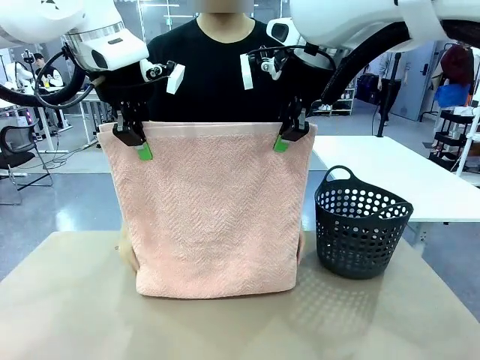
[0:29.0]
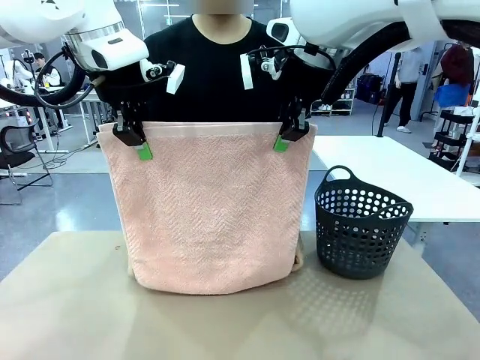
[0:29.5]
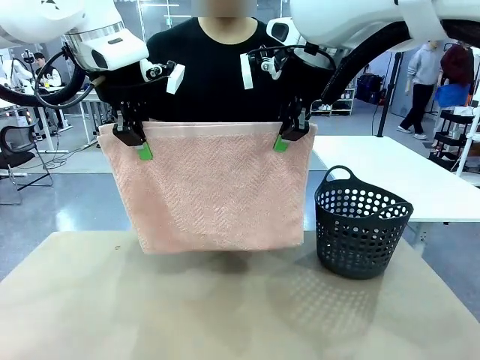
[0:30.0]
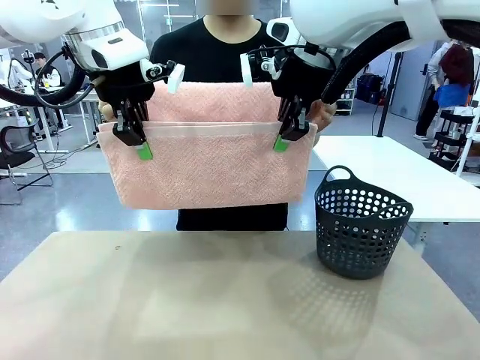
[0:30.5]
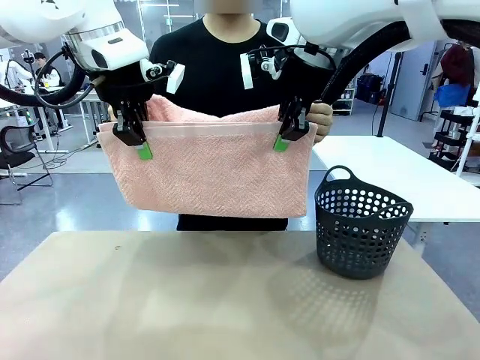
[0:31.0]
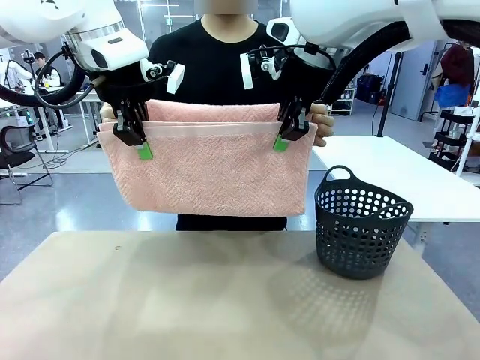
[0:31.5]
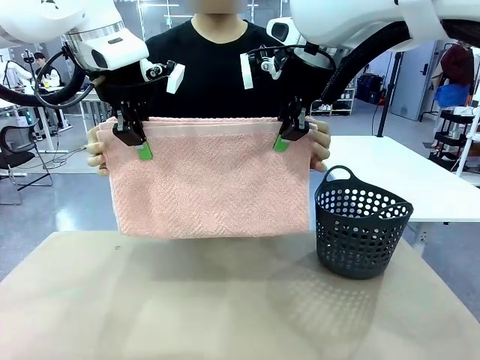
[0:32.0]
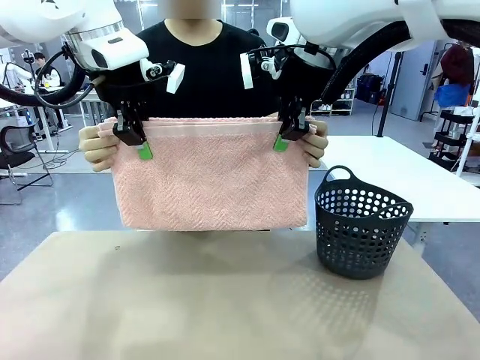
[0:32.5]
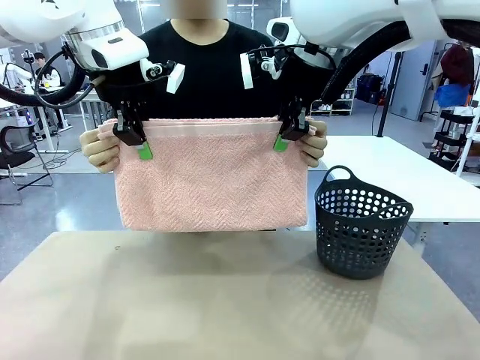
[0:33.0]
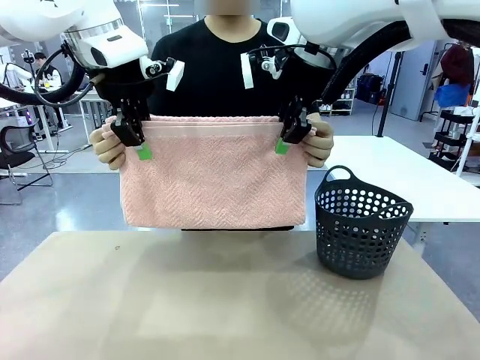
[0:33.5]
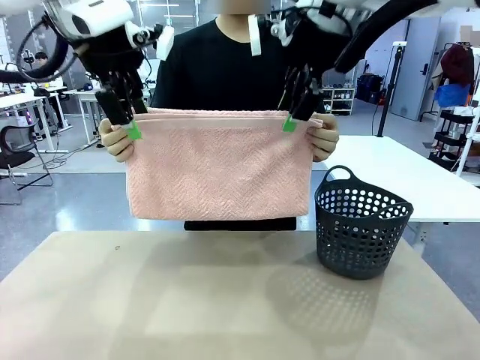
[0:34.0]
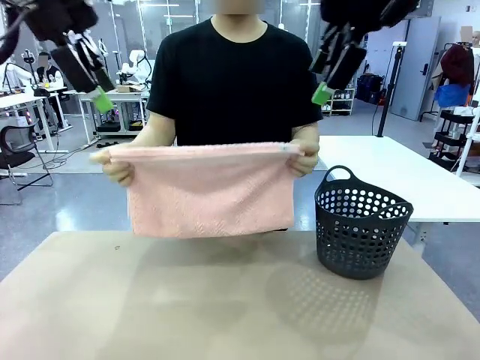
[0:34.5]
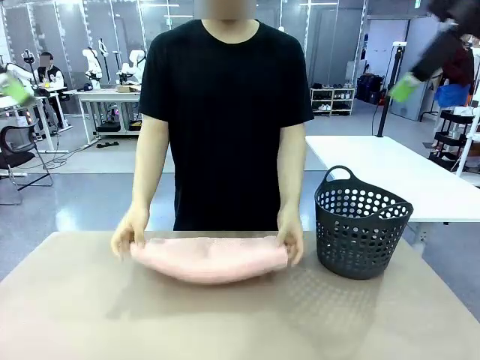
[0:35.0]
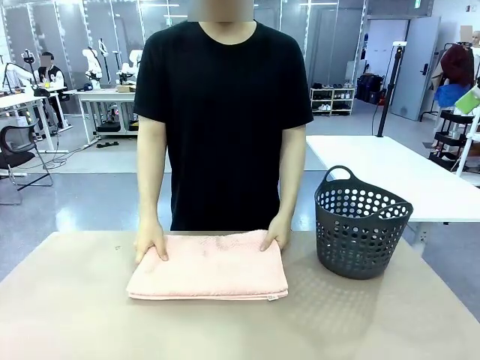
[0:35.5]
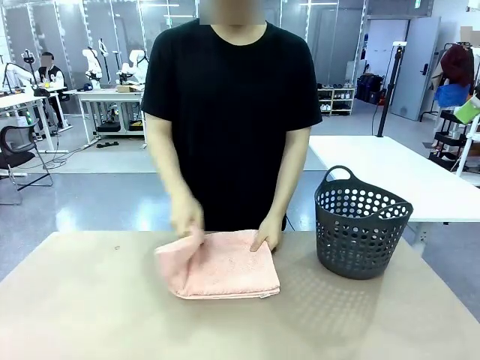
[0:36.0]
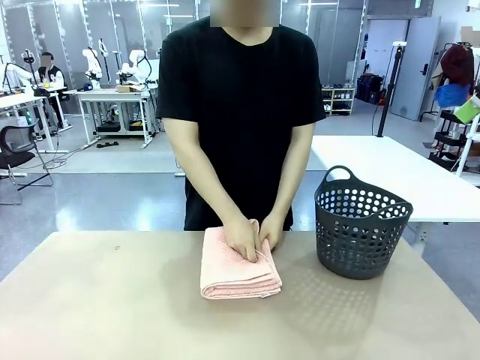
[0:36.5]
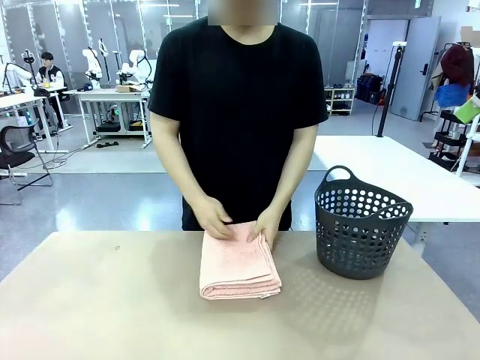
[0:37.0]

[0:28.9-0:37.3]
Task: Fold the towel.
Robot: Release the end of the 100 cm Hotel Towel you were holding.
Person: Place the towel at the center of the robot table and fold it in half.

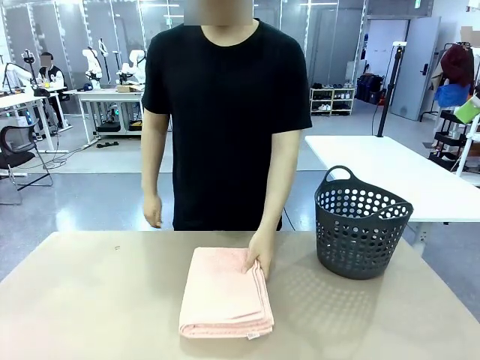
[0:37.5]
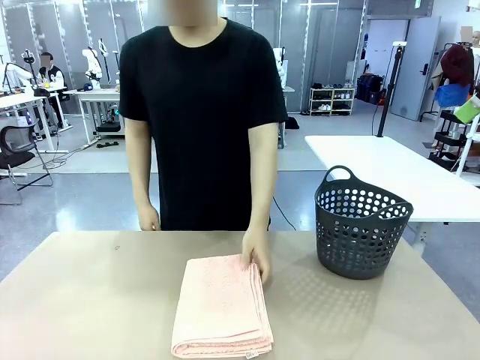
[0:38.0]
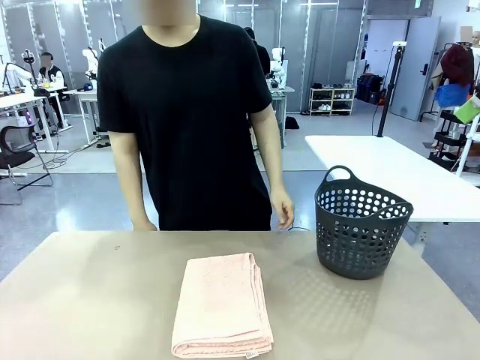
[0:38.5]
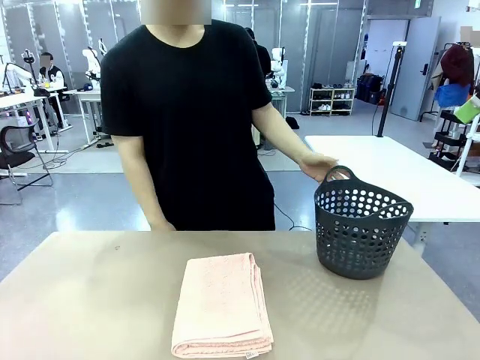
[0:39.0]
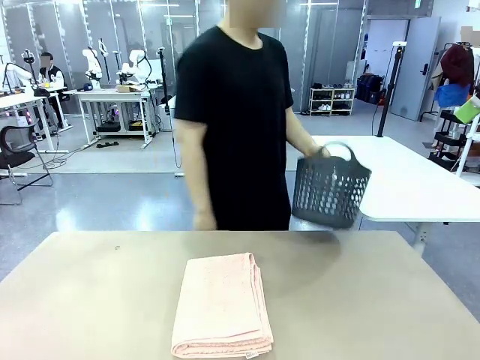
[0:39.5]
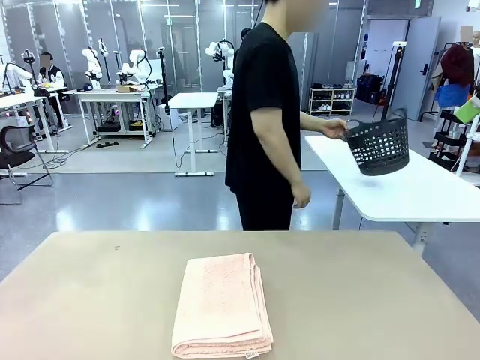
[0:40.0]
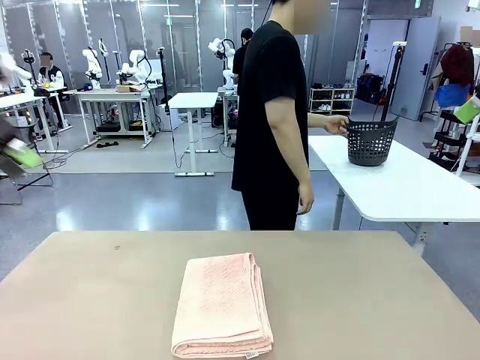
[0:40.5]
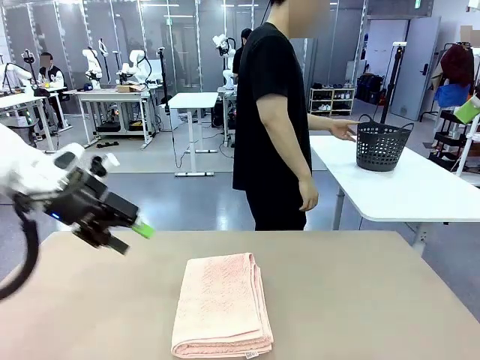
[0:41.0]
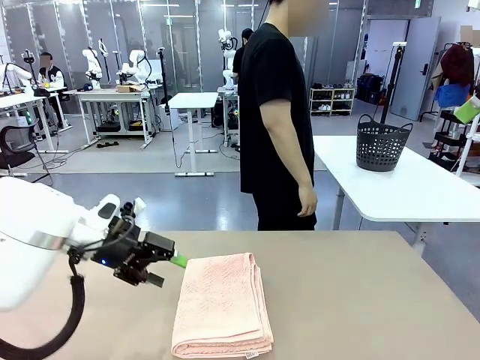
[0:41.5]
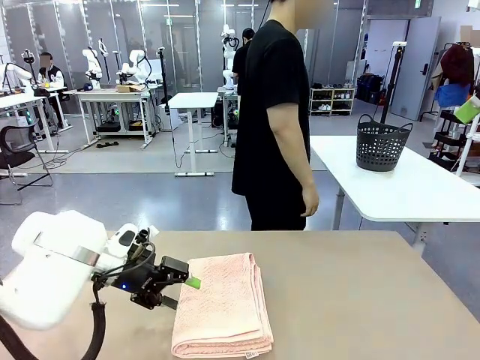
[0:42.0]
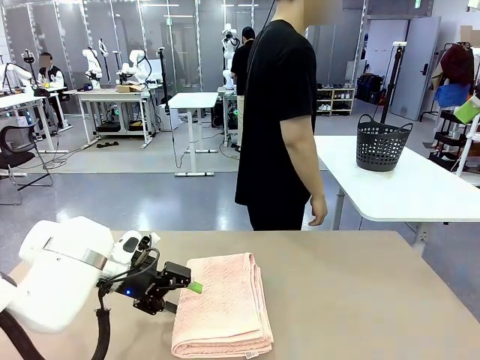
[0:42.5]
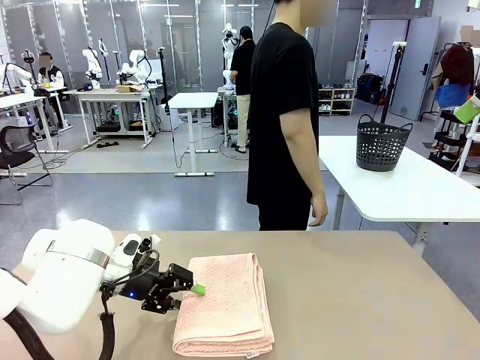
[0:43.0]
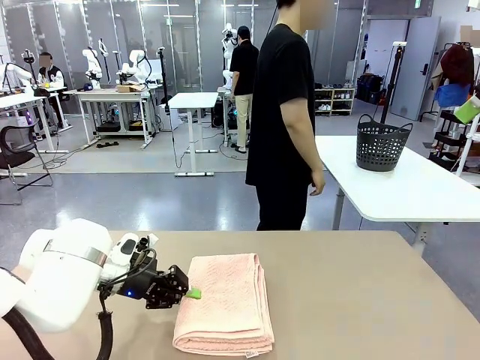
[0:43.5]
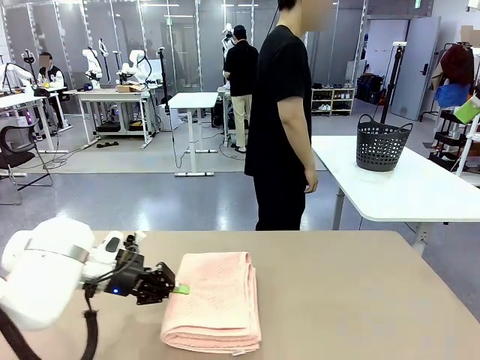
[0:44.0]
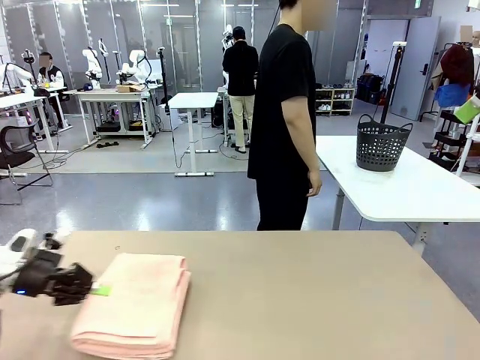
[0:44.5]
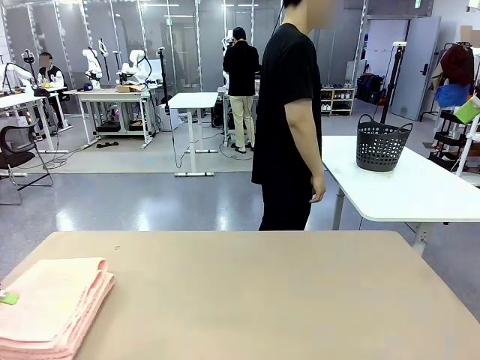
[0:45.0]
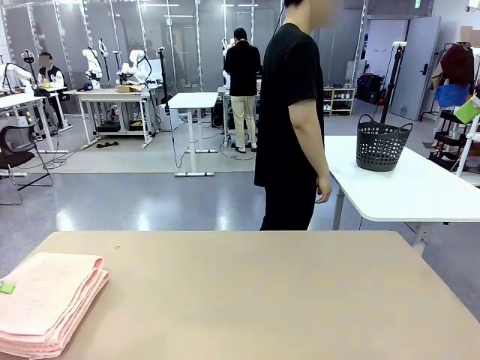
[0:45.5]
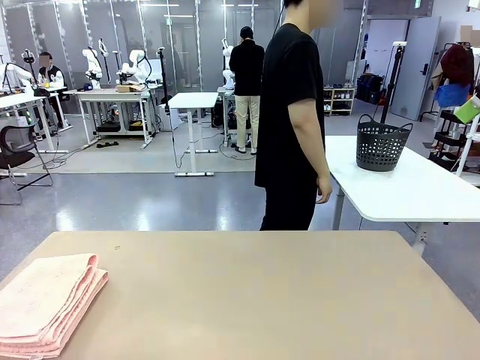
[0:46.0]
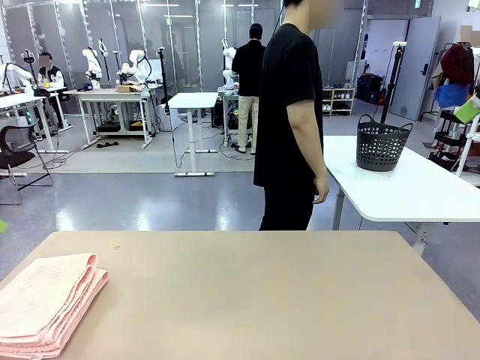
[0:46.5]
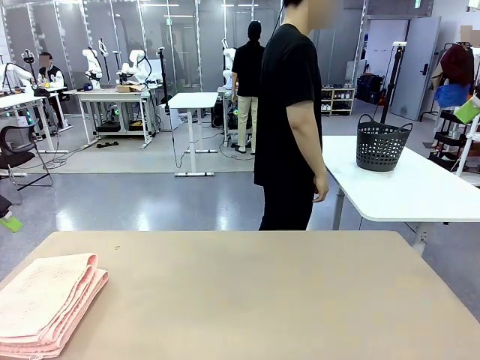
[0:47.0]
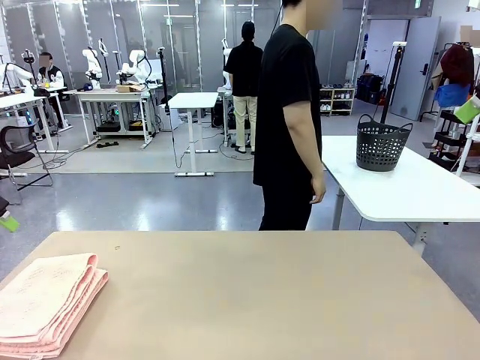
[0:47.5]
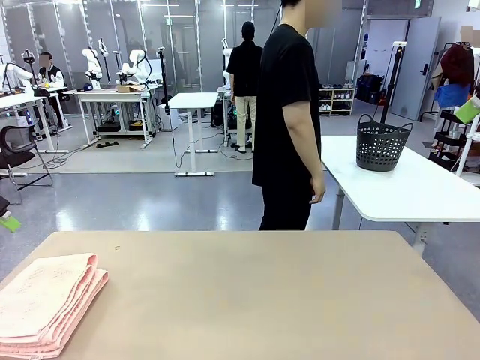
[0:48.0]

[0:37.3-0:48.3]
Robot: Pick up the 100 cm Hotel Towel and place it on the left side of the table.
Person: Pick up the laundry basket and place it at the center of the human table.

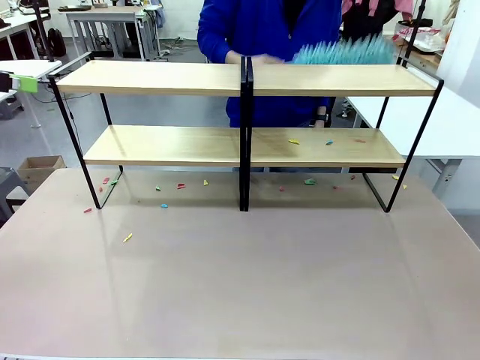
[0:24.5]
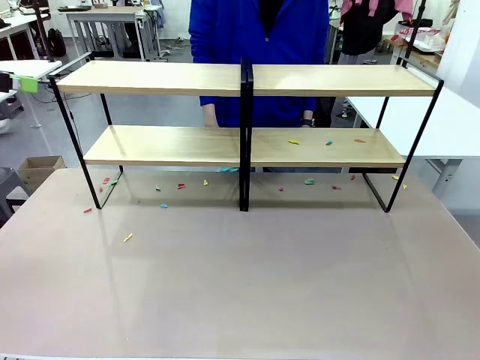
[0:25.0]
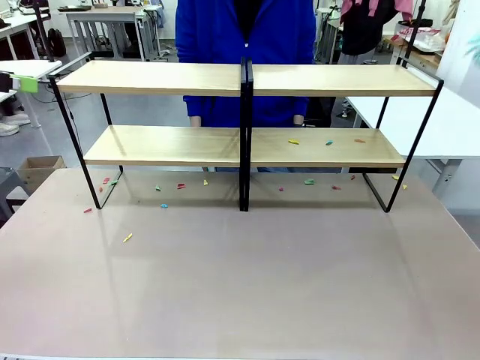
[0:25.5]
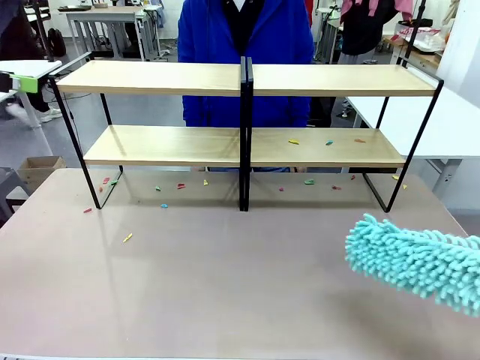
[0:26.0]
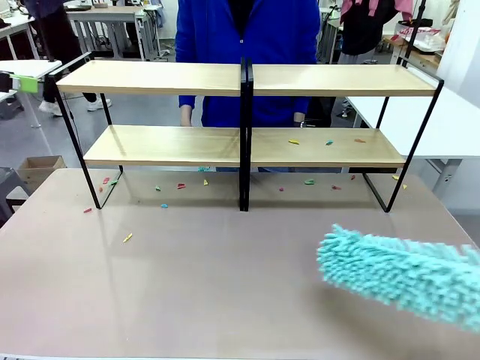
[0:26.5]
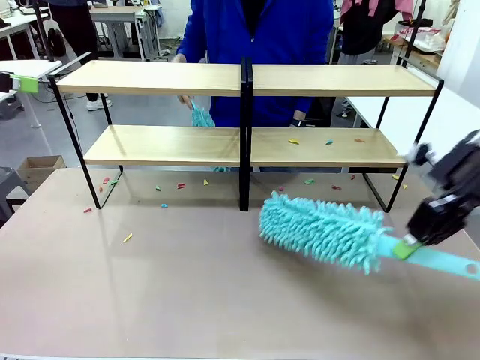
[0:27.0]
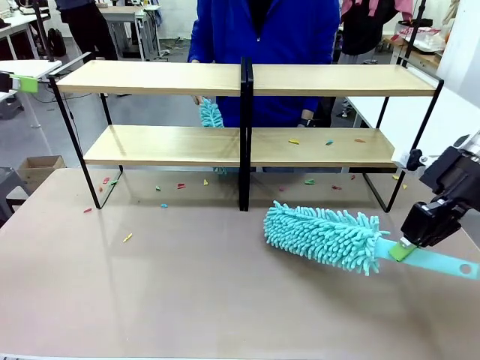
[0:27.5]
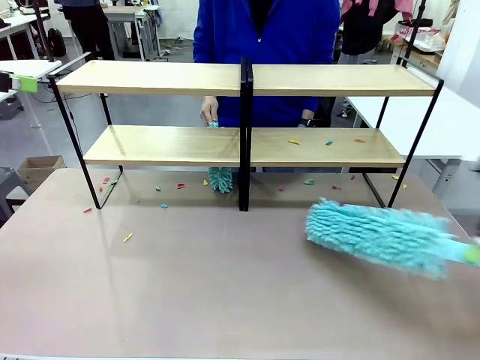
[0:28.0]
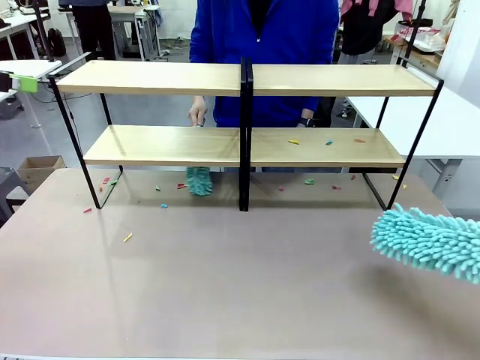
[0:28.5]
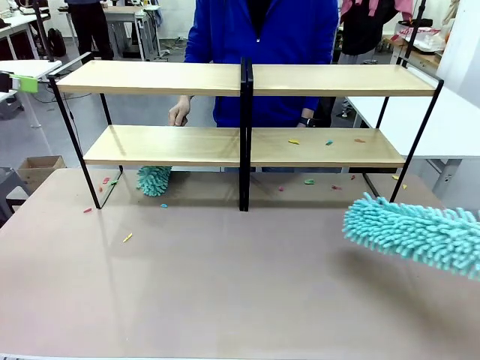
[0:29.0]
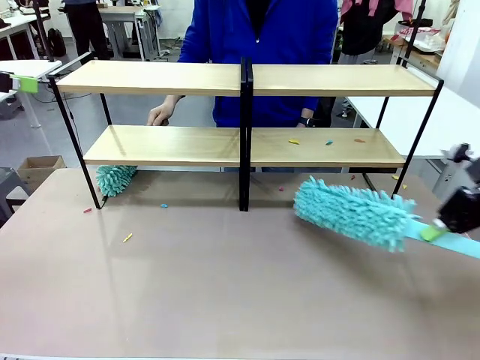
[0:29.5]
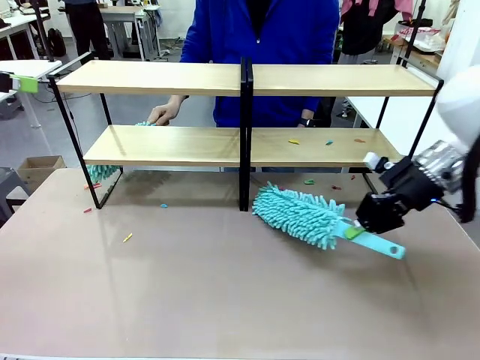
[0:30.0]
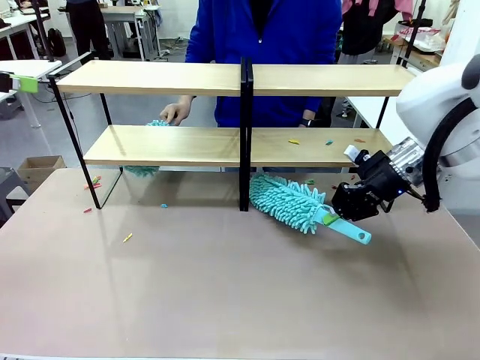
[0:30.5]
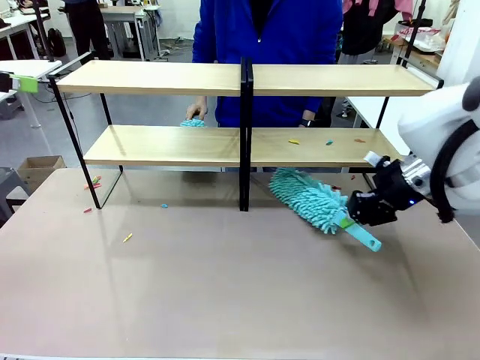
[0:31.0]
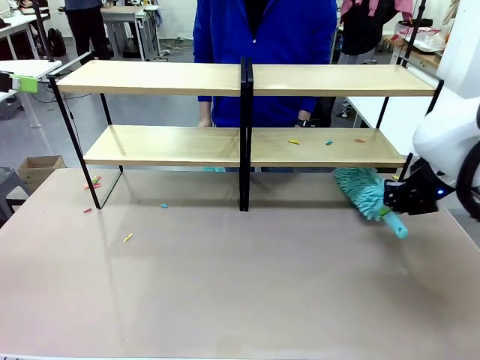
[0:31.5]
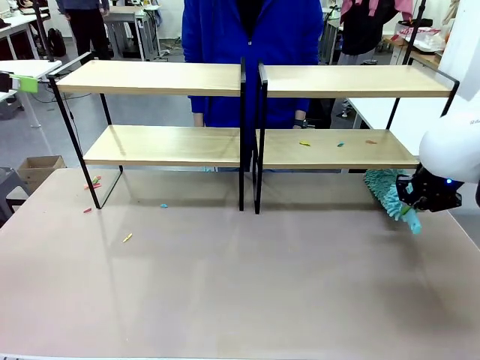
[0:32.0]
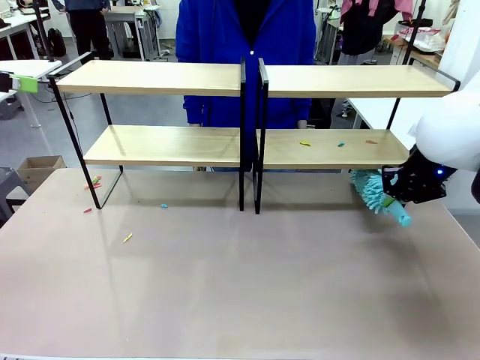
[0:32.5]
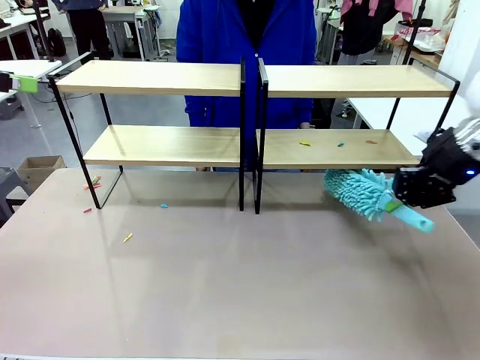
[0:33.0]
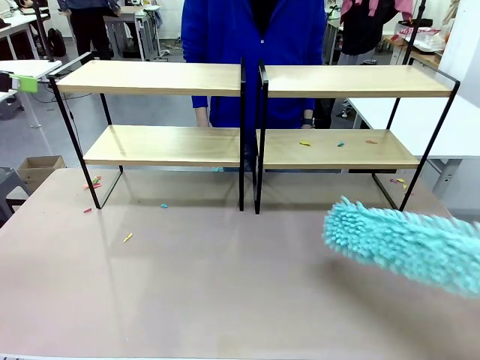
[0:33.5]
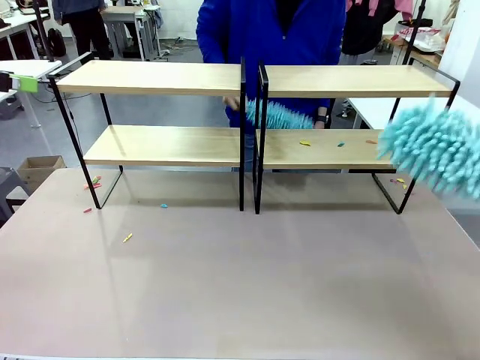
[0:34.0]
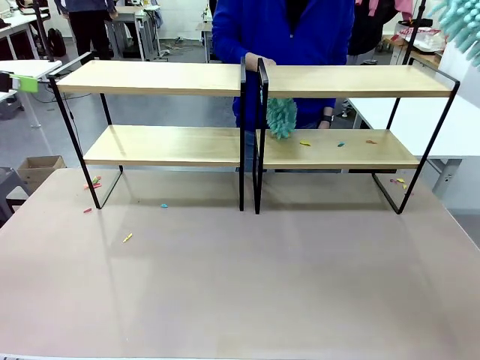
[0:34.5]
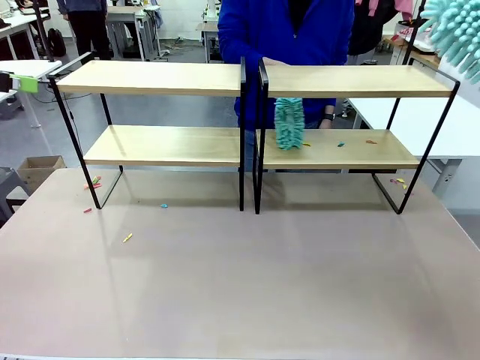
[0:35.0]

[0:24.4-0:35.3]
Task: Clean the shelves.
Robot: Clean another randomly selected level of the Shelf with the Duster.
